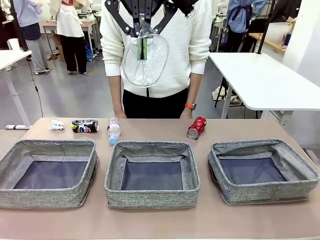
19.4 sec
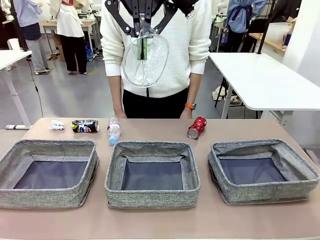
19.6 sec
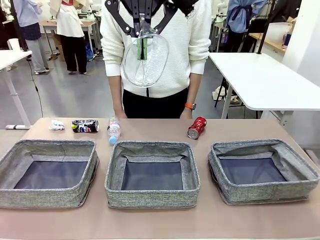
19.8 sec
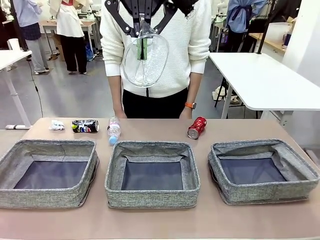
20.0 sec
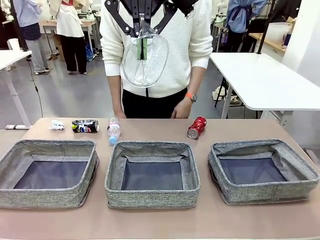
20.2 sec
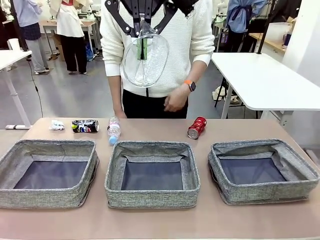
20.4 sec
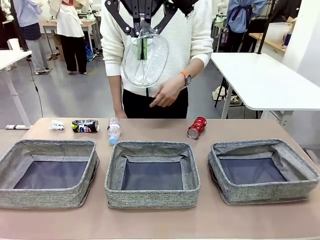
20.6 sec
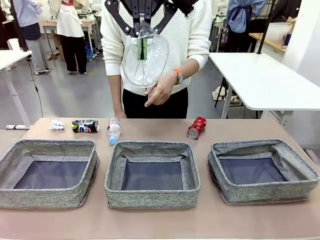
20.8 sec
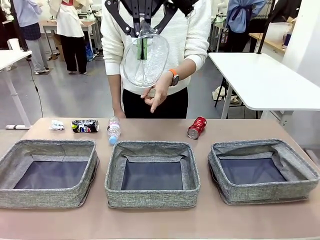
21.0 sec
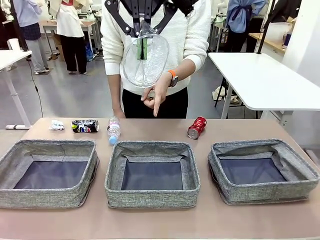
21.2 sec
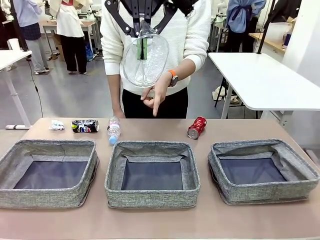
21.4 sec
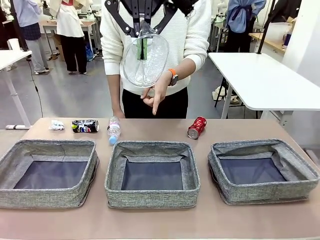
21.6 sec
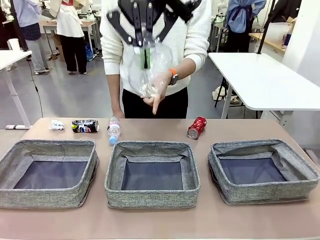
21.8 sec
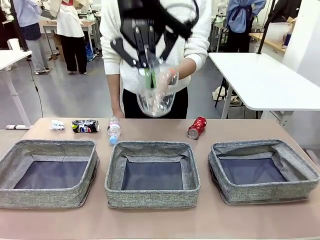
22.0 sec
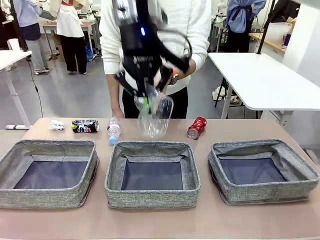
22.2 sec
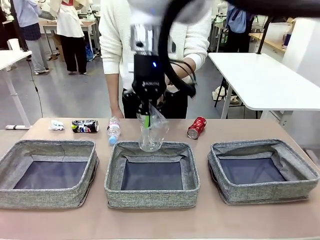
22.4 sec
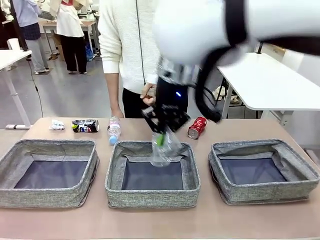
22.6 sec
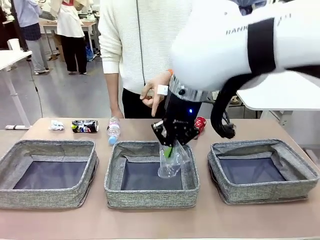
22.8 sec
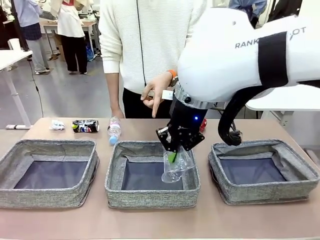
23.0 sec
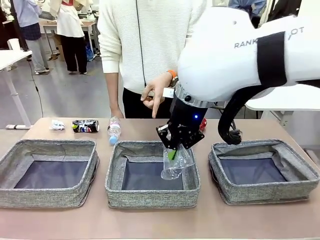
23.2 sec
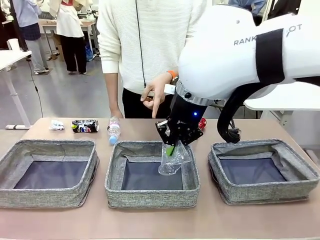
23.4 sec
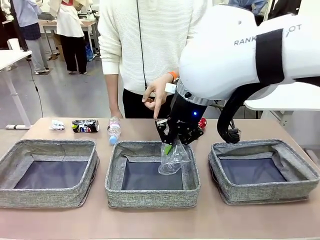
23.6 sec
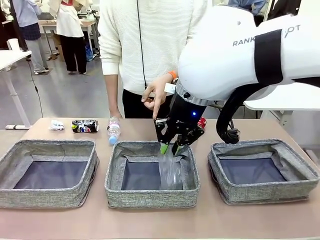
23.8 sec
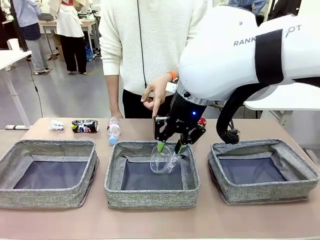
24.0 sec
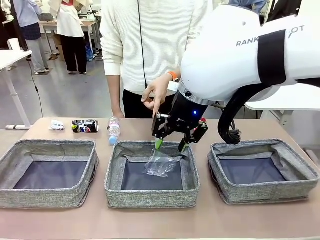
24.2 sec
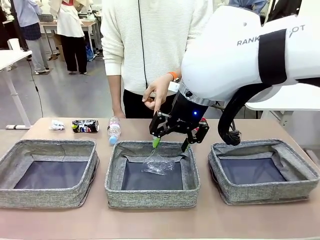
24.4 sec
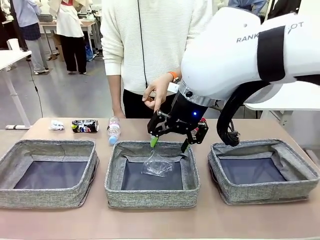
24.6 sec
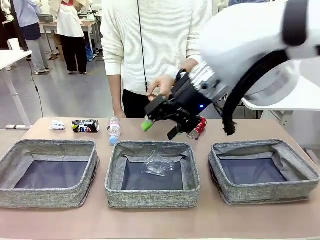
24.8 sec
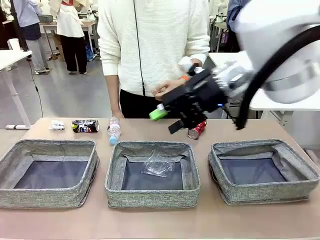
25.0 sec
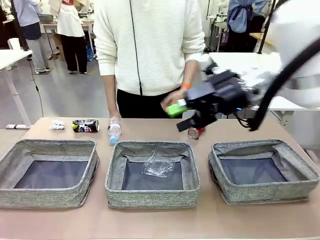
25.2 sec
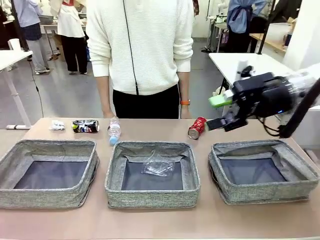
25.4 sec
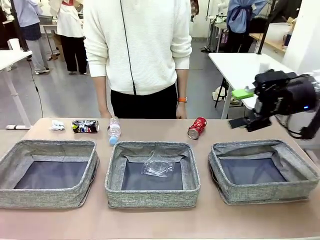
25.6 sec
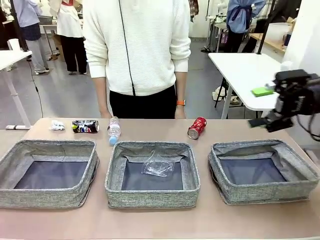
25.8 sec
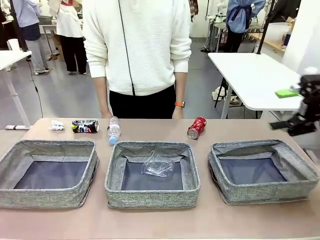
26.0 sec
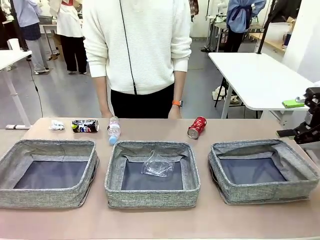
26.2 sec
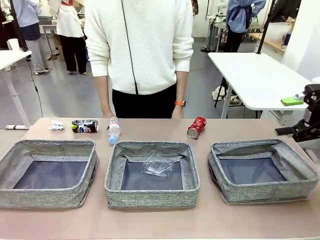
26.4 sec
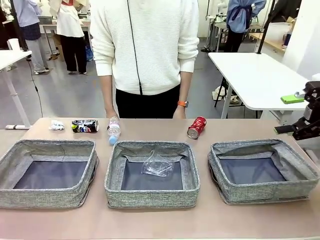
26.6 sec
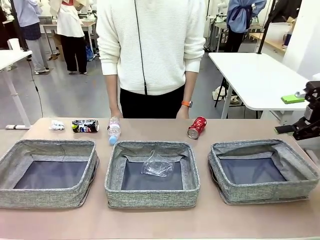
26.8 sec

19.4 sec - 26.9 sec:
Task: Sort the waste into the appropriate baskets.
Robot: Place the picked waste into the Fabric basket indicated by the person.

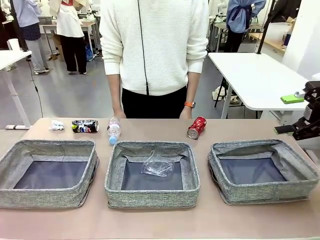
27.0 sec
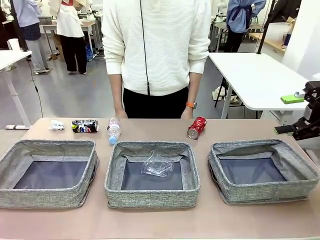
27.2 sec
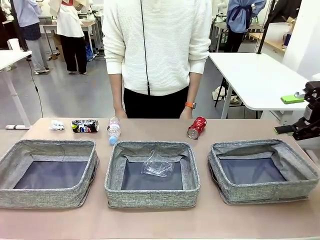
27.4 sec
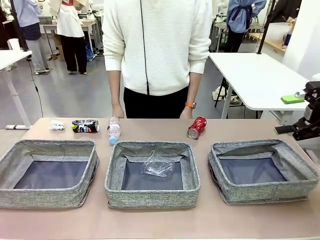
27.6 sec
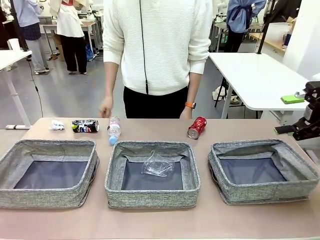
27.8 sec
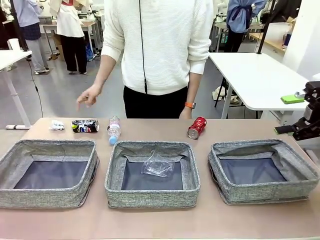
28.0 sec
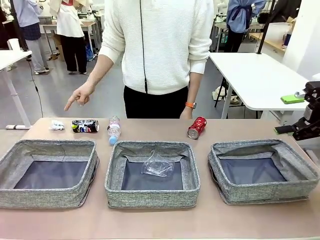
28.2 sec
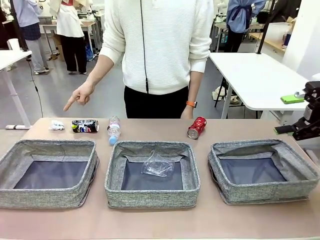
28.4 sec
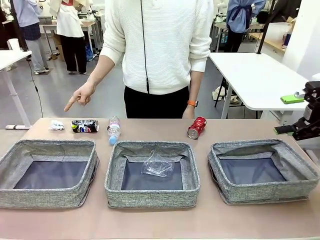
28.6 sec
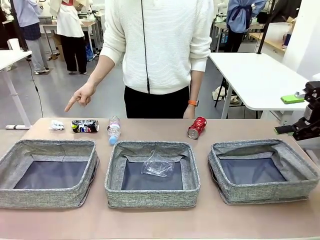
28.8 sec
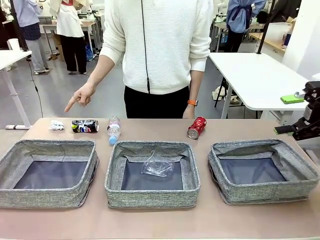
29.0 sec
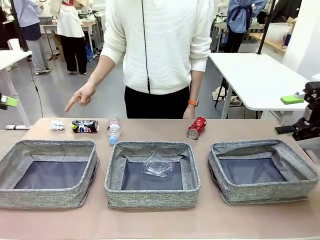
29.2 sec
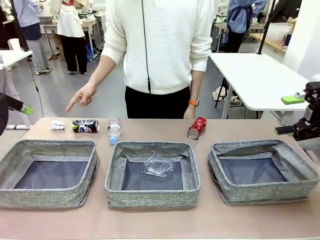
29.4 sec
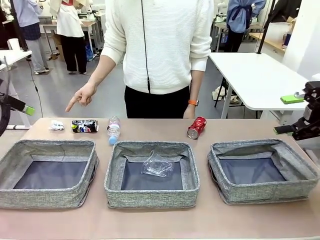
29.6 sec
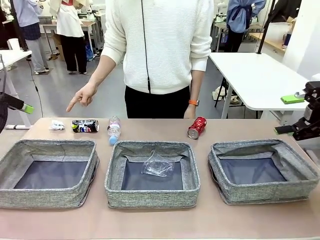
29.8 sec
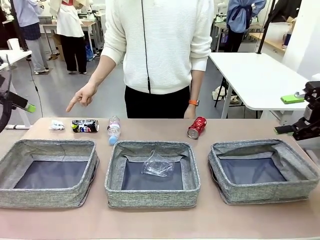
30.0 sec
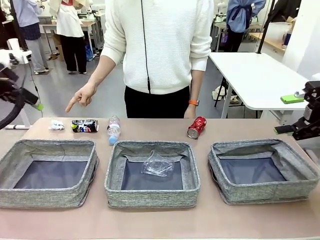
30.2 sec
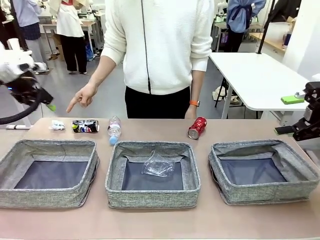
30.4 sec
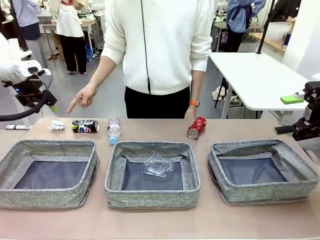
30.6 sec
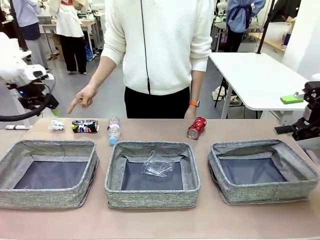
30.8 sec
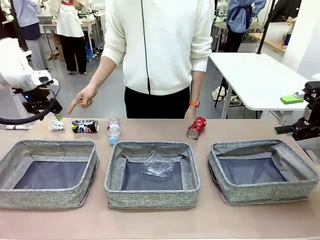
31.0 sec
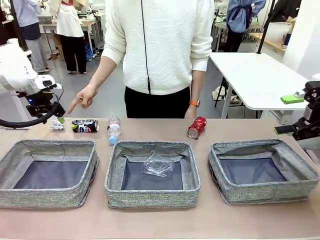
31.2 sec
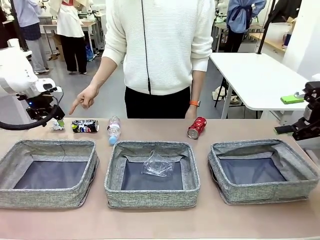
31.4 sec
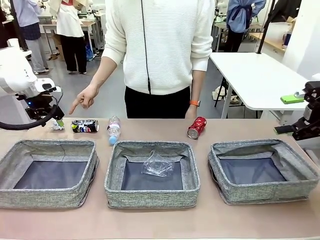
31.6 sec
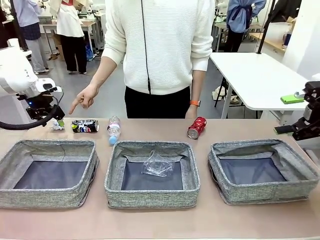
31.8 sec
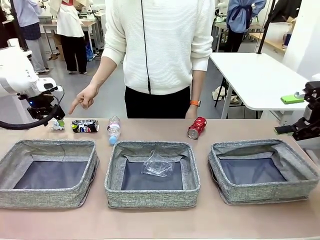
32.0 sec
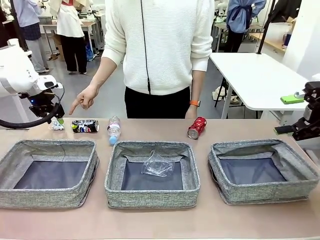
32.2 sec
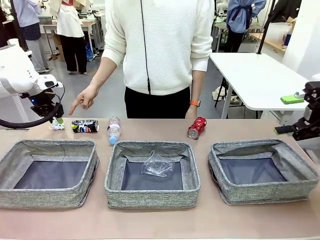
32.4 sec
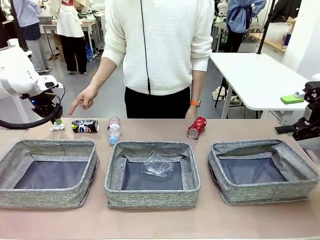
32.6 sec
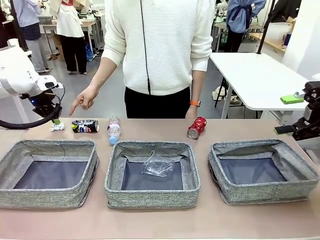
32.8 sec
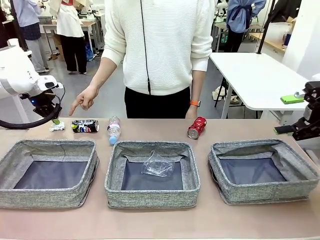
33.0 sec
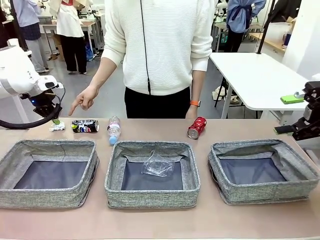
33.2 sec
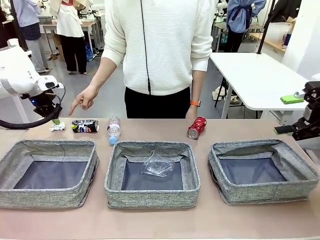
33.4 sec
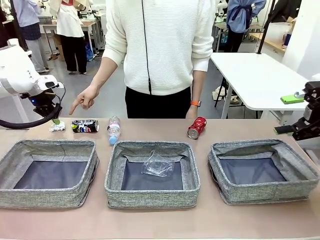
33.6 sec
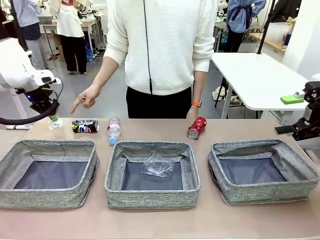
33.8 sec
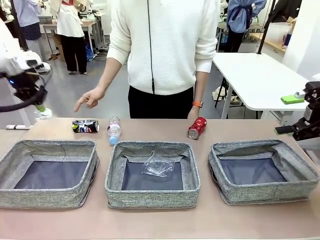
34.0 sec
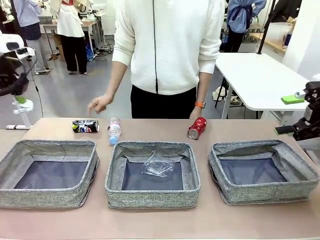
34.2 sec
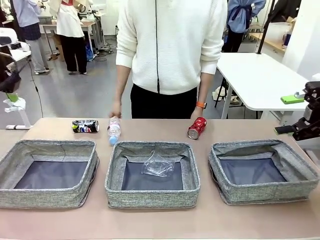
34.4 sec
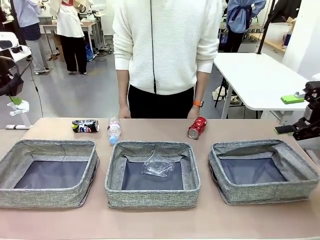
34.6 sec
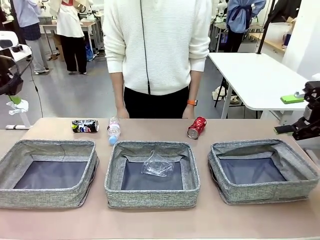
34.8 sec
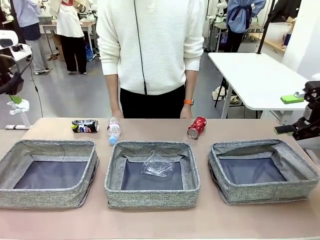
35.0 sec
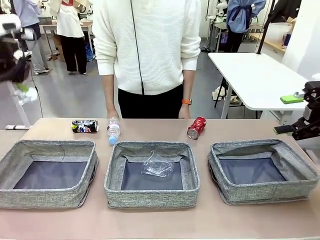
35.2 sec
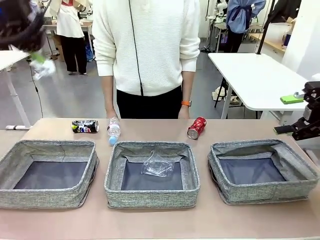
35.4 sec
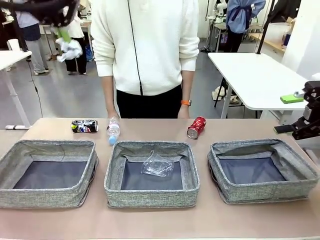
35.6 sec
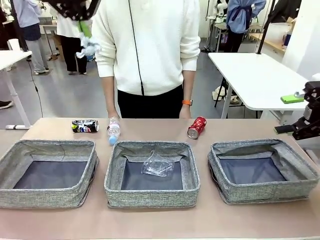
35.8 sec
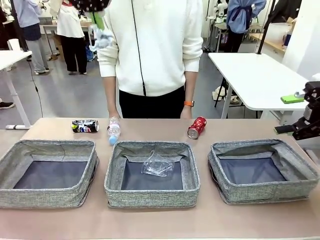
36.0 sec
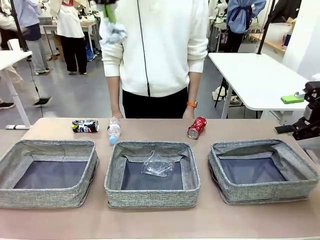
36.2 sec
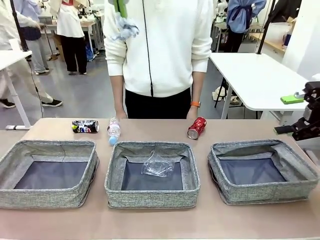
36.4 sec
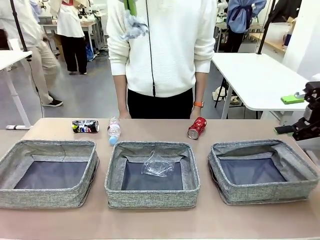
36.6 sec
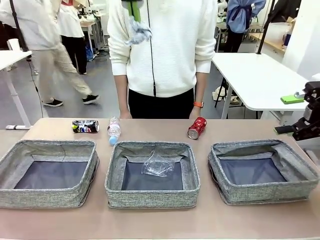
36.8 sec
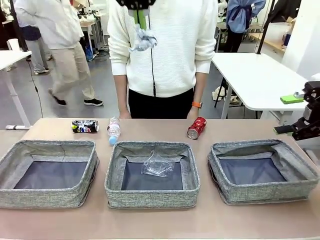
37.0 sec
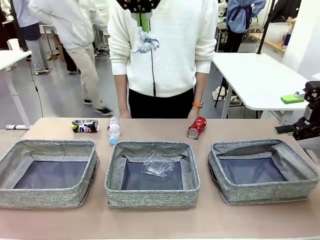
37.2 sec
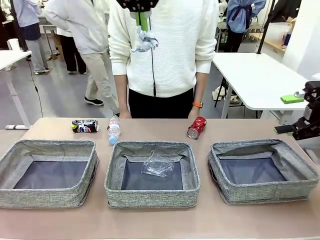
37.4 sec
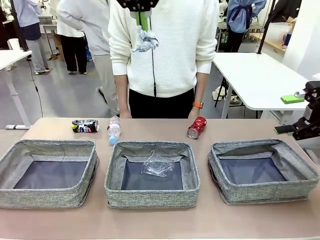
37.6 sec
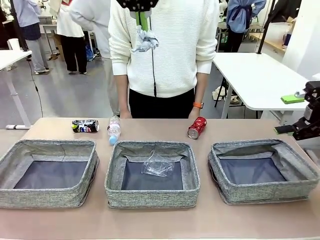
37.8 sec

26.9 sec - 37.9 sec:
Robot: Pick up the waste item pointed out by the person.
Person: Points to one piece of trash on the table.

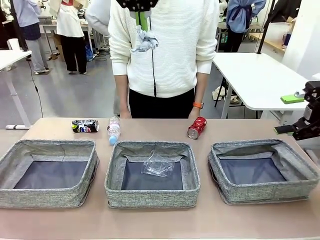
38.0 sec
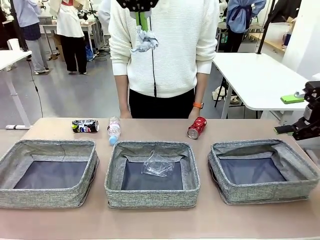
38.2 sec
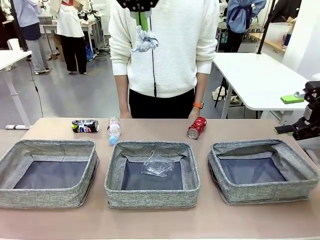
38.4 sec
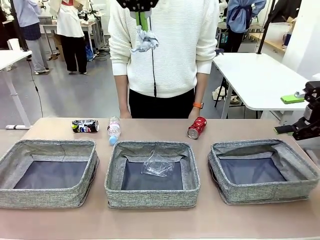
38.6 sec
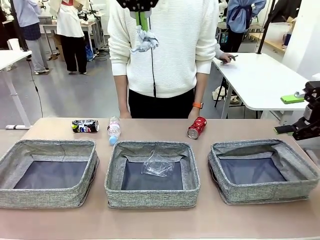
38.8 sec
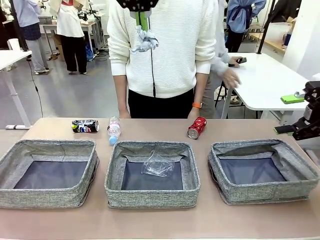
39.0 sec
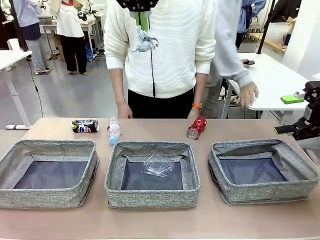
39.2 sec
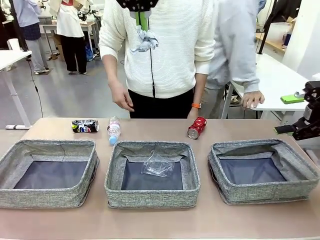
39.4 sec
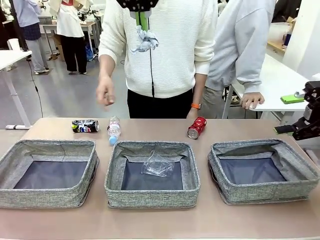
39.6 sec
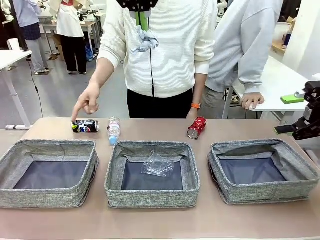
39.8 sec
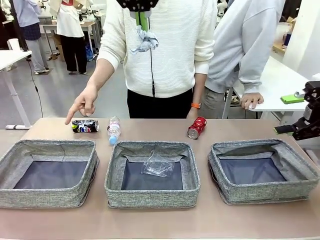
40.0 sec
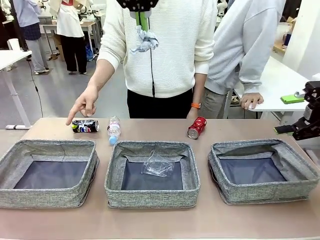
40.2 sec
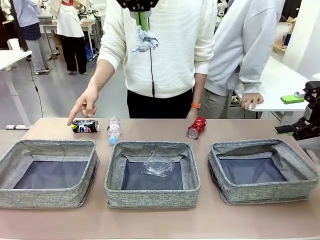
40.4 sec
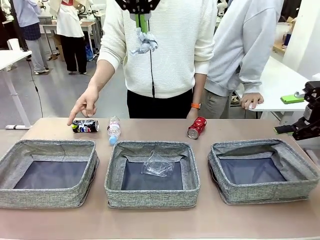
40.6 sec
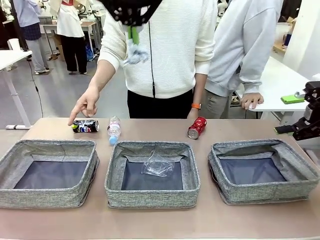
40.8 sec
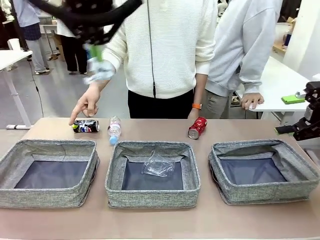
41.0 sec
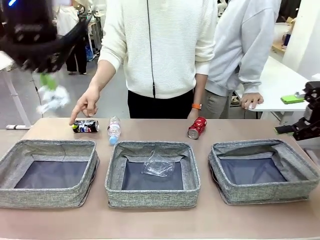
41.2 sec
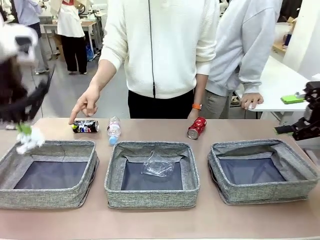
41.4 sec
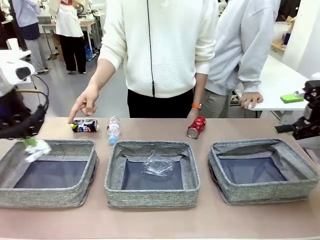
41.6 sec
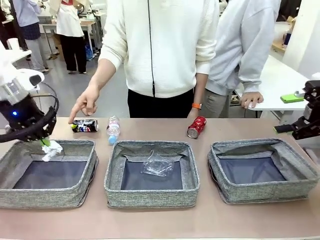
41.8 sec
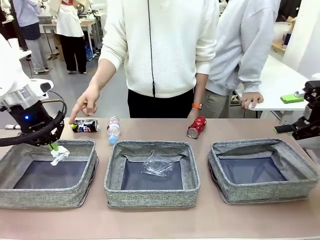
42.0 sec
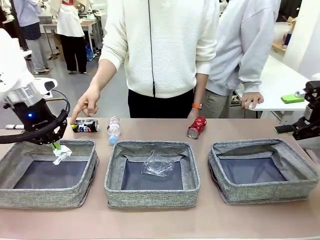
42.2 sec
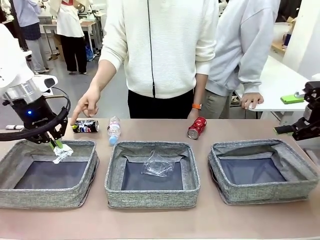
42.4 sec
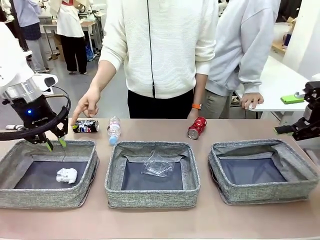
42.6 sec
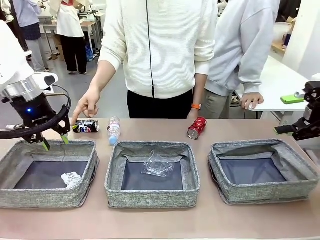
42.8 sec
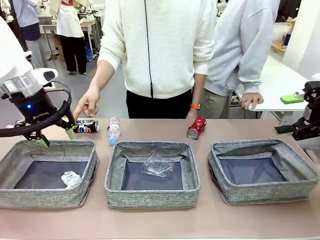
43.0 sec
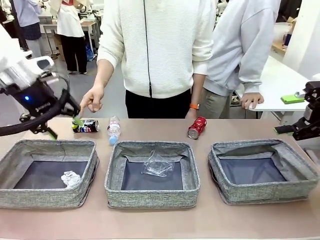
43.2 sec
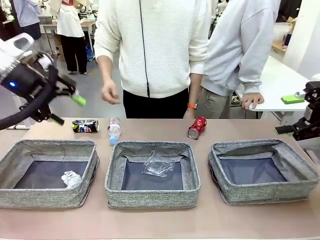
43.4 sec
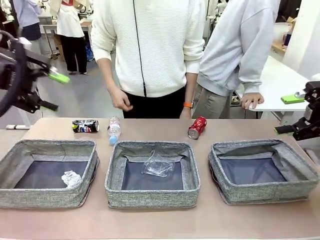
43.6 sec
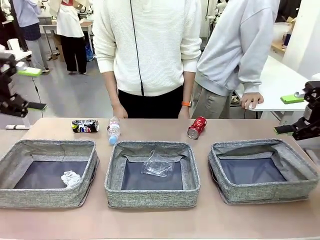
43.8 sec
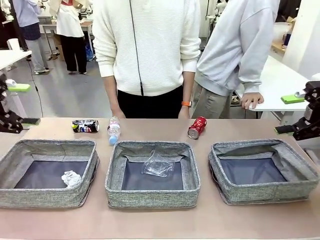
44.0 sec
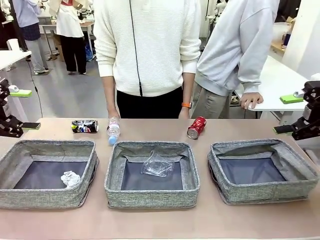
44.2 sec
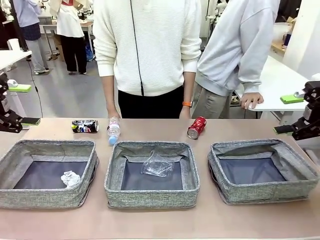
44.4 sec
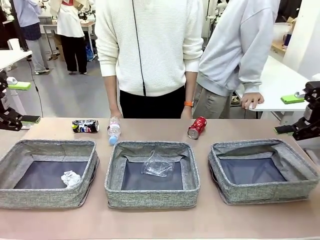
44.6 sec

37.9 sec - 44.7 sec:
Robot: Place the picked waste into the Fabric basket indicated by the person.
Person: Instructs the robot to place the picked-up trash into the appropriate organizing basket.
